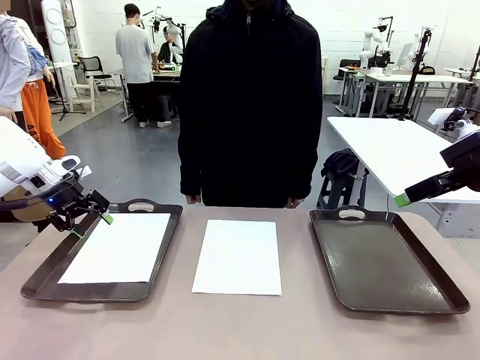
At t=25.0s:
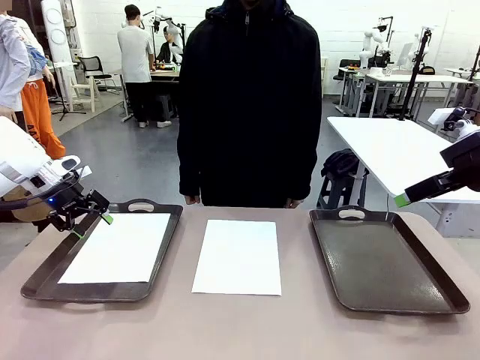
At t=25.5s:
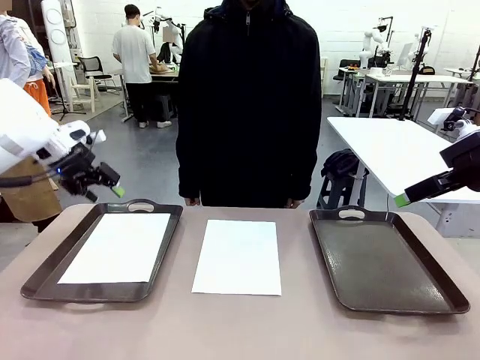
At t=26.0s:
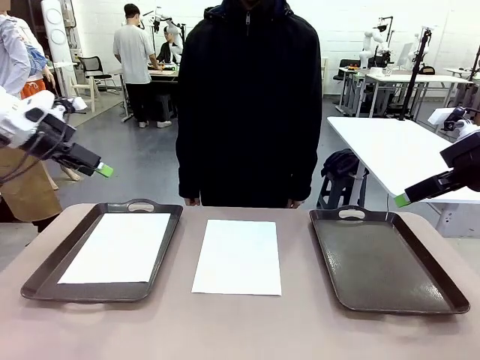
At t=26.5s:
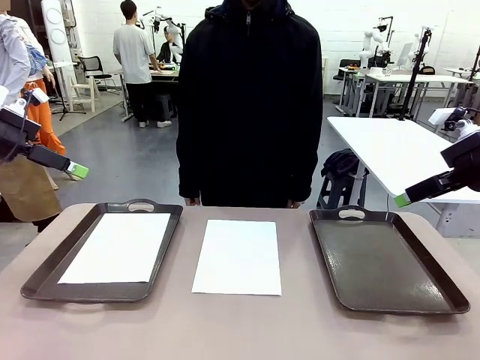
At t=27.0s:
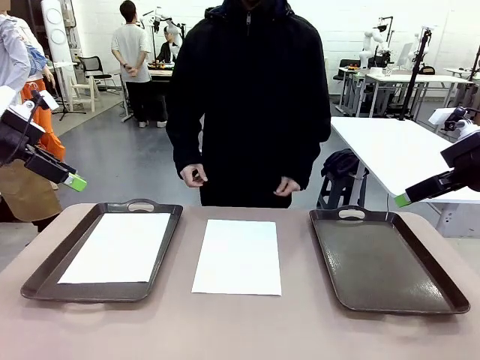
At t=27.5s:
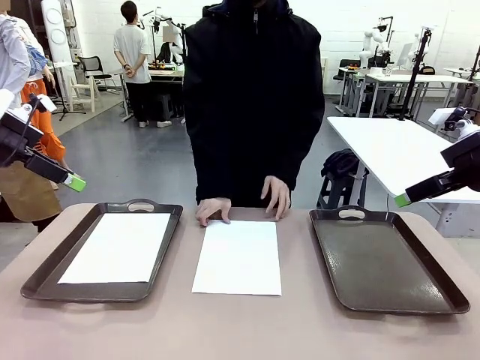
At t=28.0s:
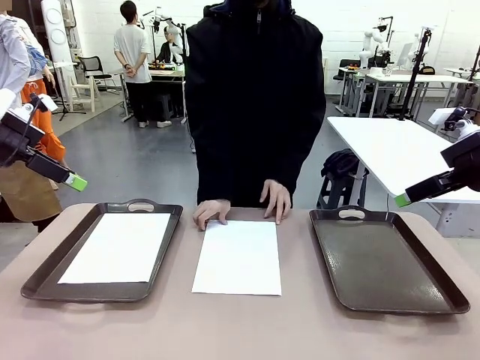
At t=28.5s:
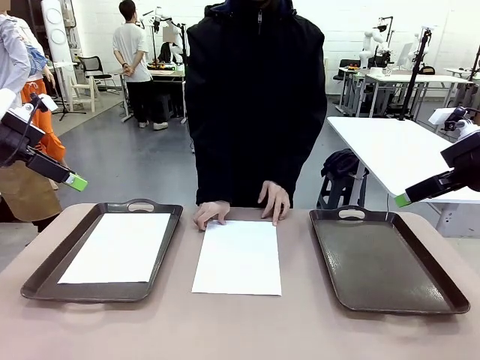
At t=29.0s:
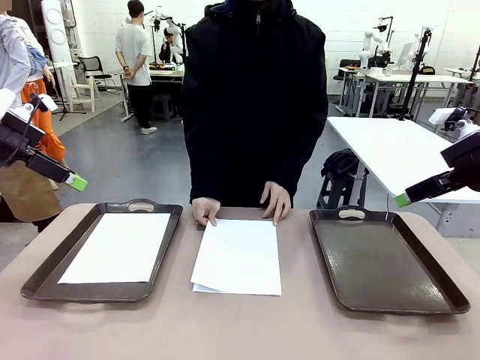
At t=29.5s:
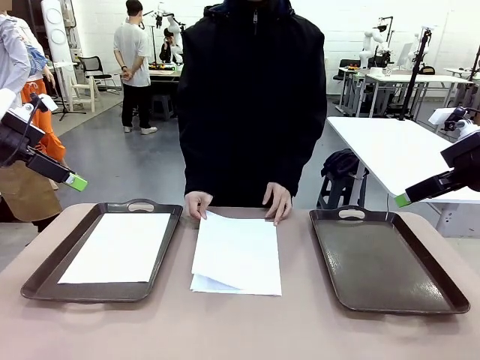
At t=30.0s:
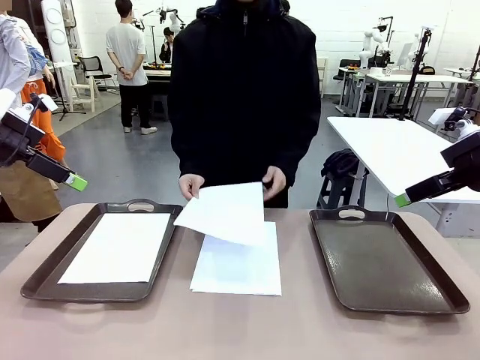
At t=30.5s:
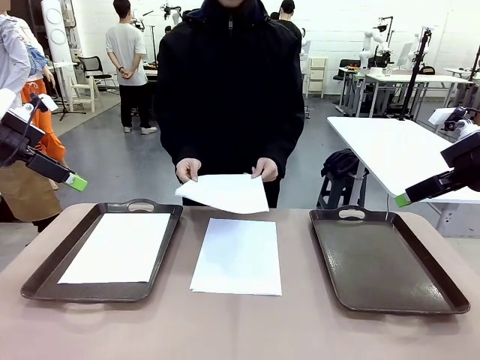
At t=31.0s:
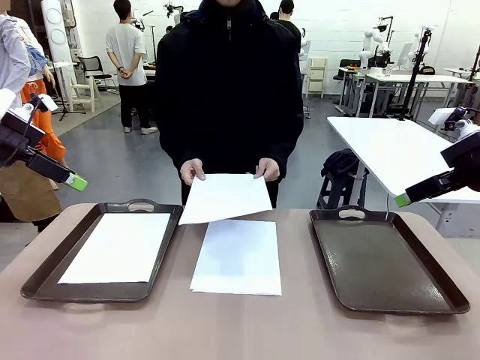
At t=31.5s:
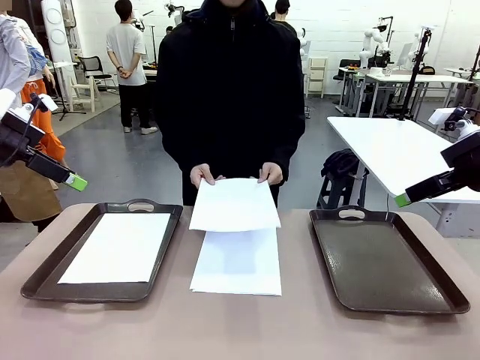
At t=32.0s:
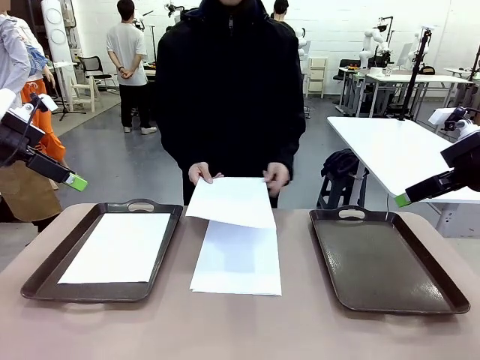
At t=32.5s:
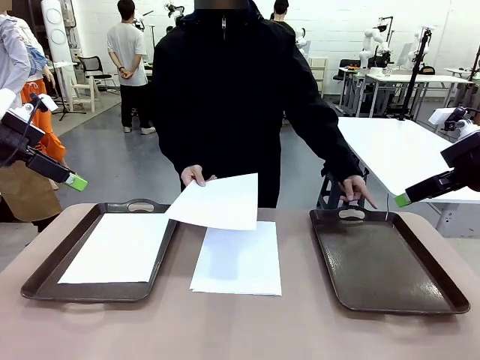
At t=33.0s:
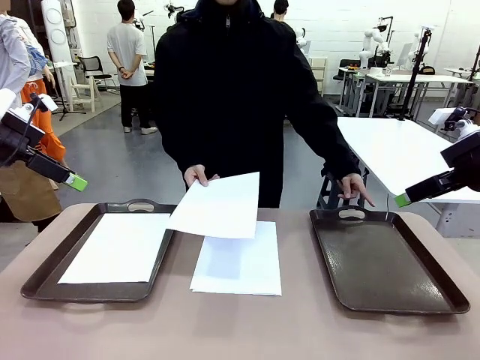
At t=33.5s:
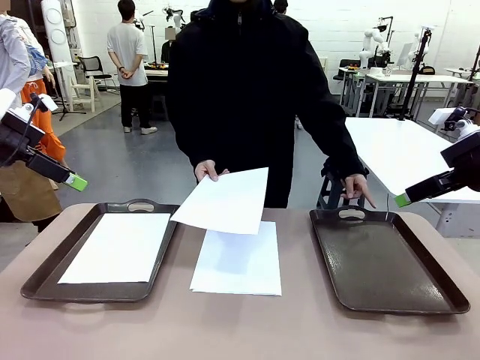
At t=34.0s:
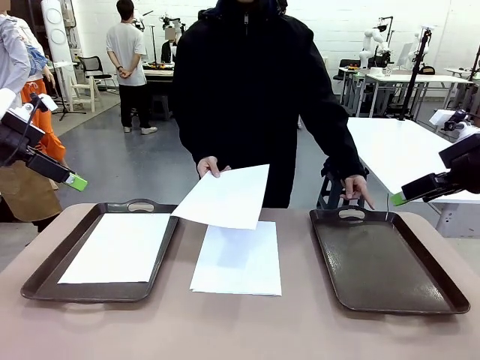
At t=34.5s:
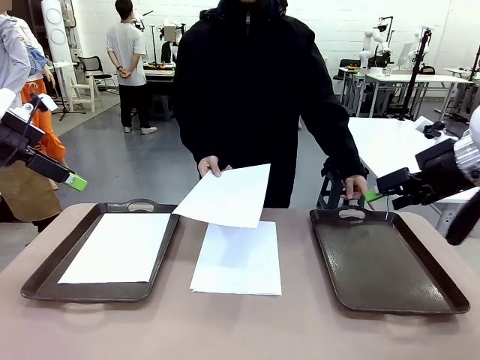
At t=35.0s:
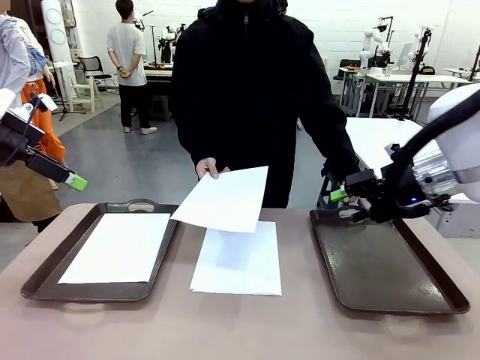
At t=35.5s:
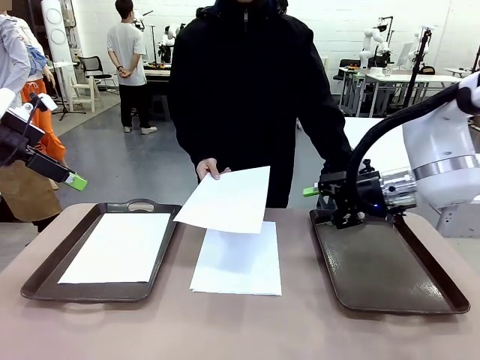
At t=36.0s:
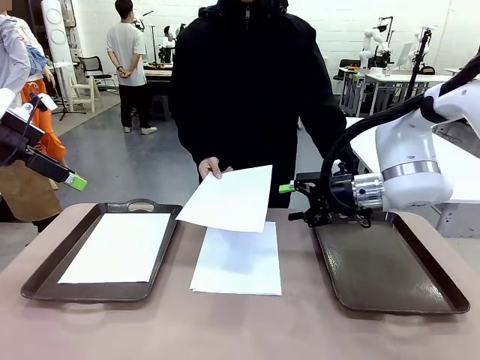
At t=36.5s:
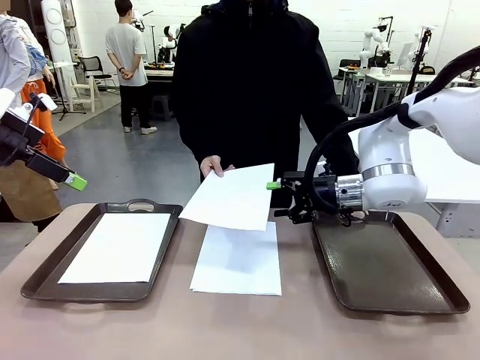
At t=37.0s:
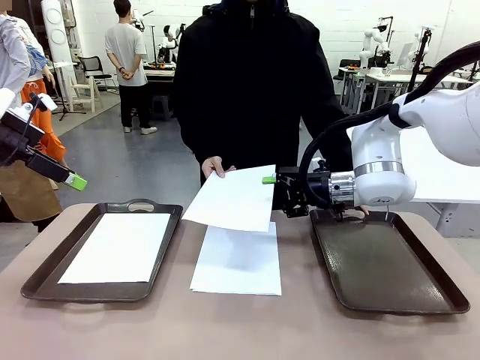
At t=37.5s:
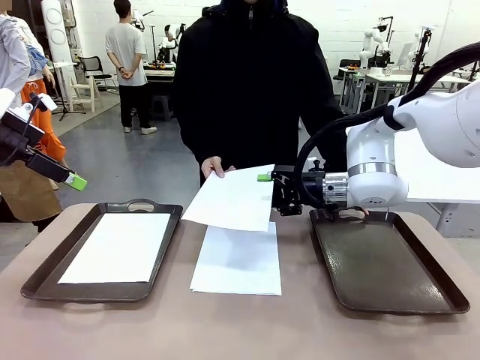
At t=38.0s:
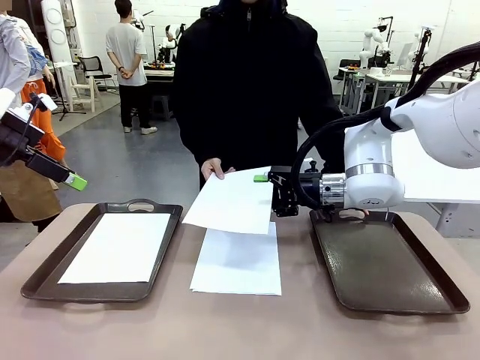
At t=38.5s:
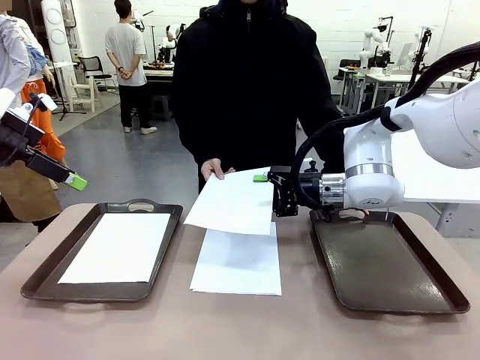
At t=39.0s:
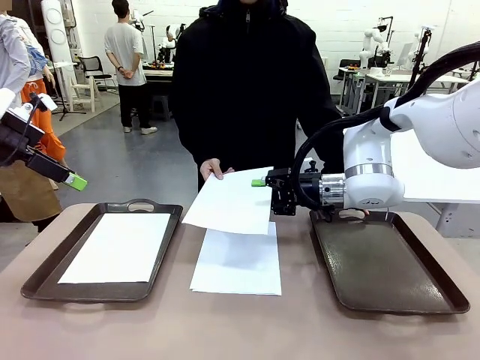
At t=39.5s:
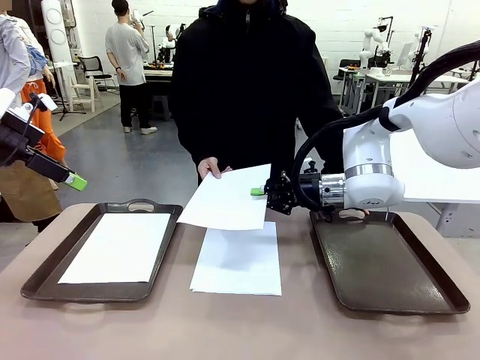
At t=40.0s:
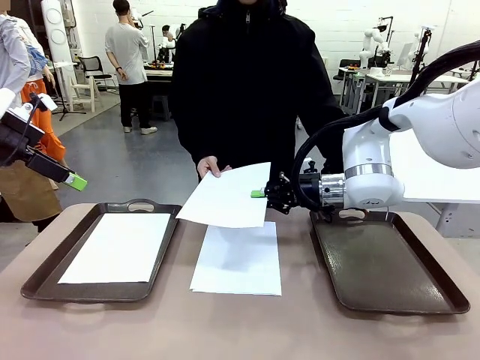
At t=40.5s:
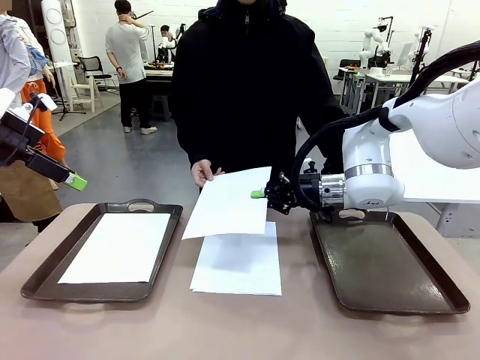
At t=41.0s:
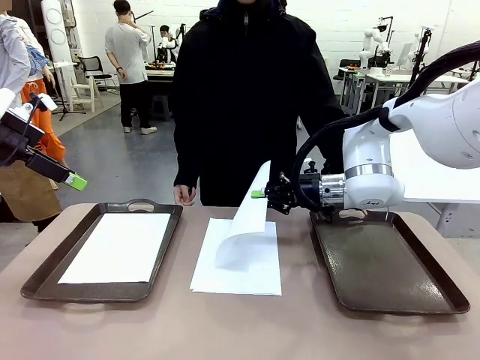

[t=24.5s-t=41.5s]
Task: Sort the A4 documents.
Robot: Receive the A4 Paper.
Person: Point the randomly selected tray with the other hand.

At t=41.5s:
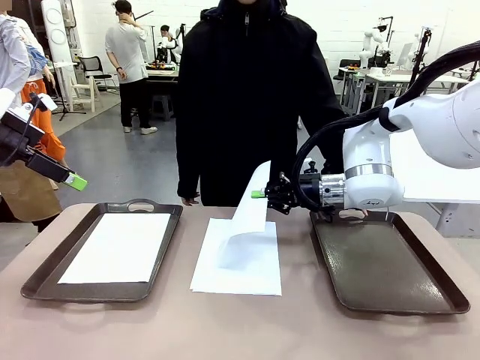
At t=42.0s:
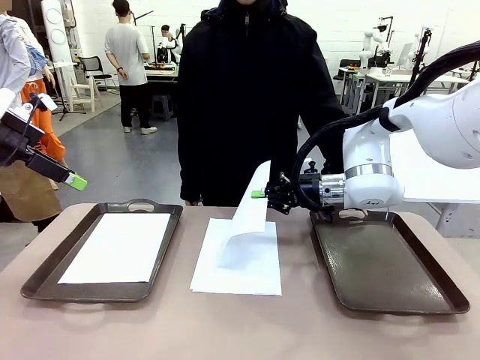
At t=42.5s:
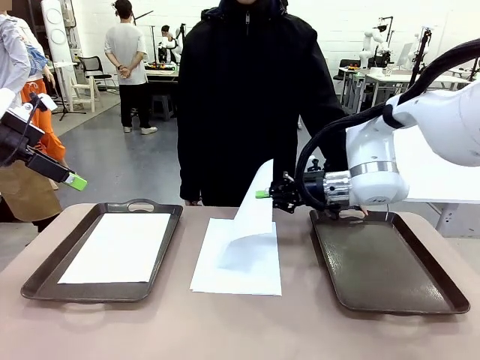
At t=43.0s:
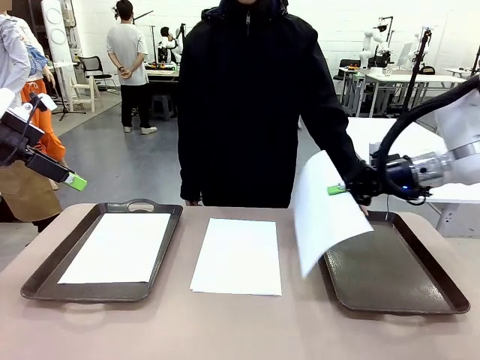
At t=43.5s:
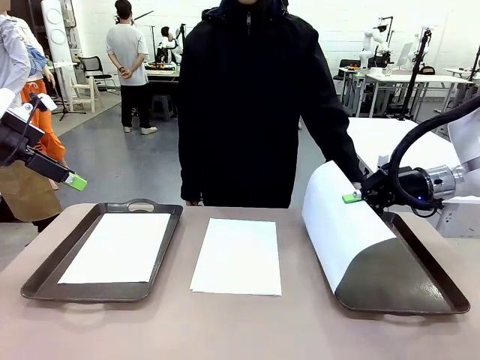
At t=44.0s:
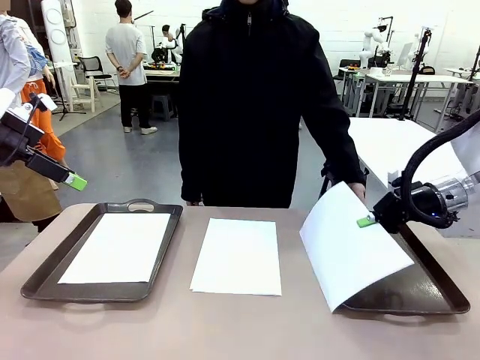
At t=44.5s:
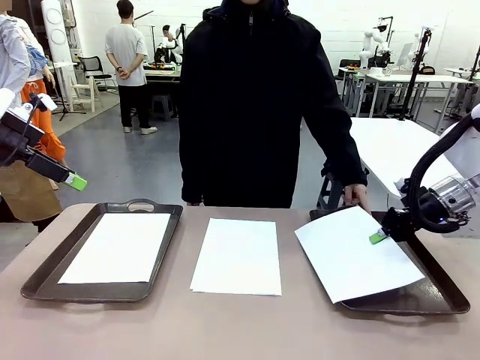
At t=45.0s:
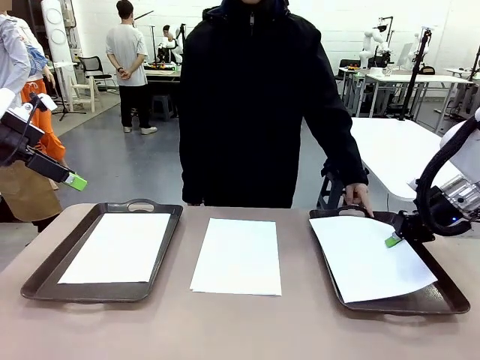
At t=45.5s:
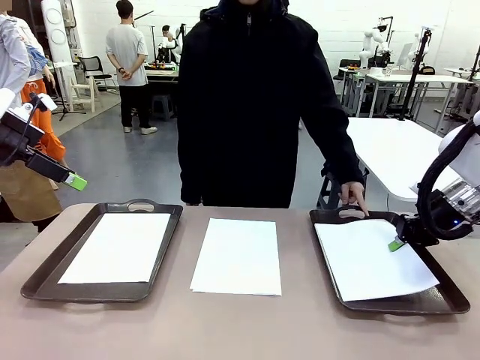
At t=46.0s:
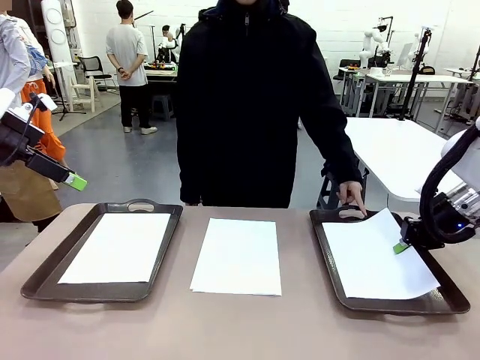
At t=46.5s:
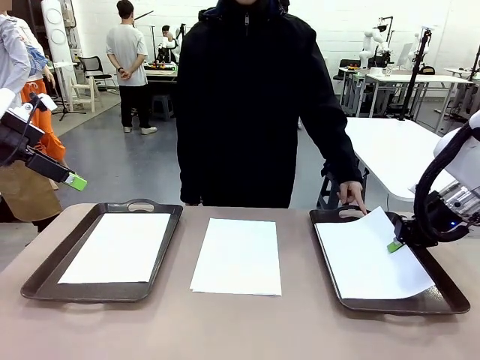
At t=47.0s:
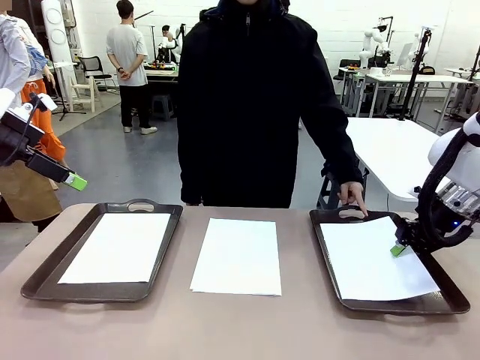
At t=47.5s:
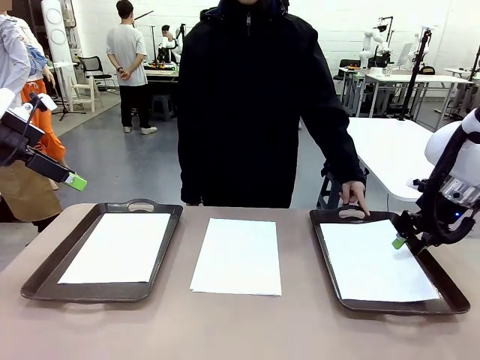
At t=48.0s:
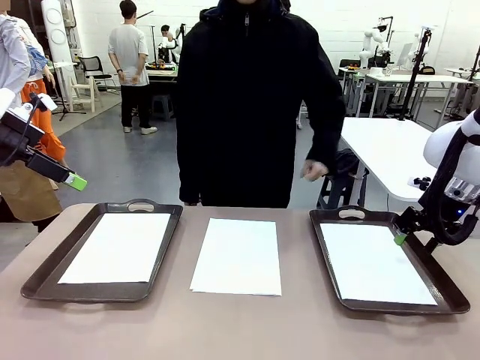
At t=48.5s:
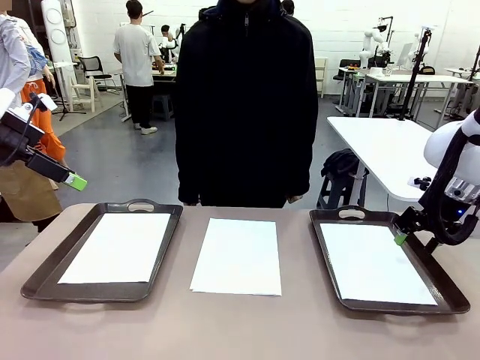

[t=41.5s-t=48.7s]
Robot: Place the A4 Paper in the designated Handle tray.
